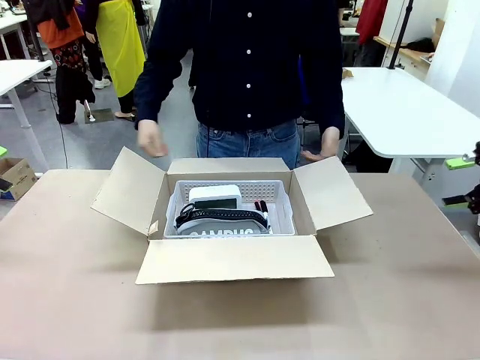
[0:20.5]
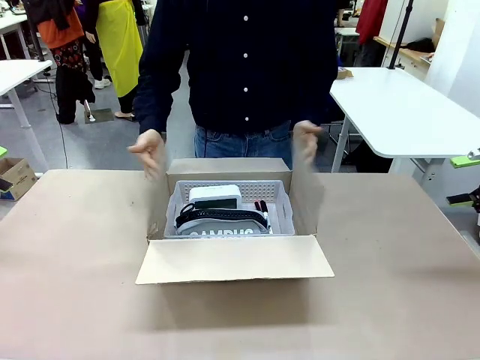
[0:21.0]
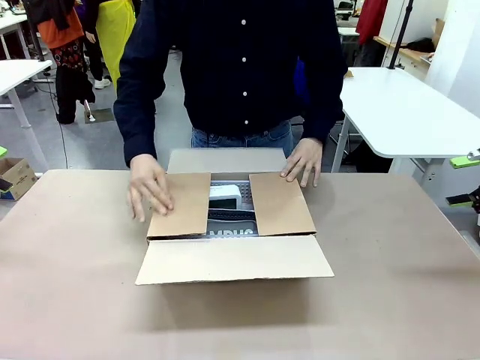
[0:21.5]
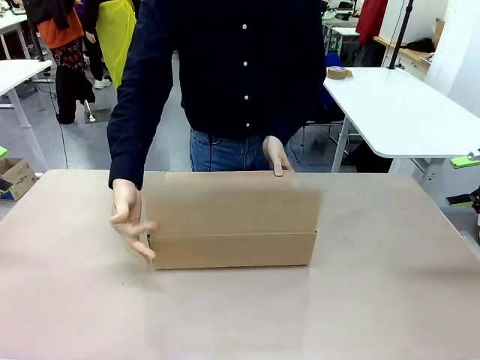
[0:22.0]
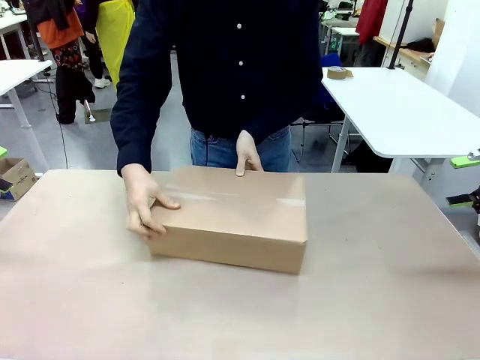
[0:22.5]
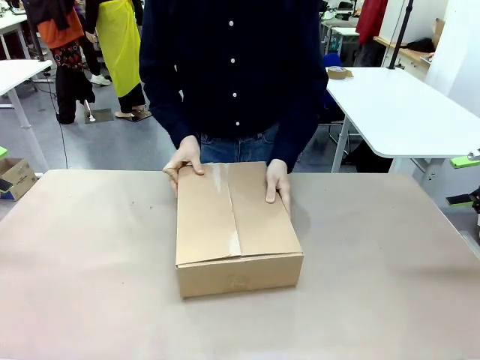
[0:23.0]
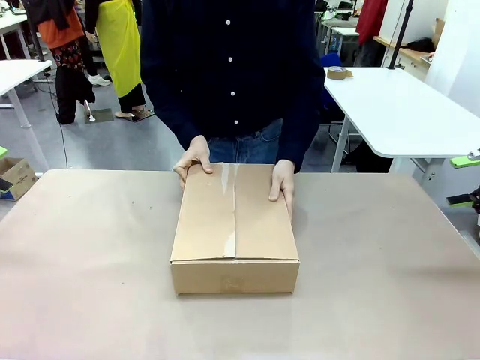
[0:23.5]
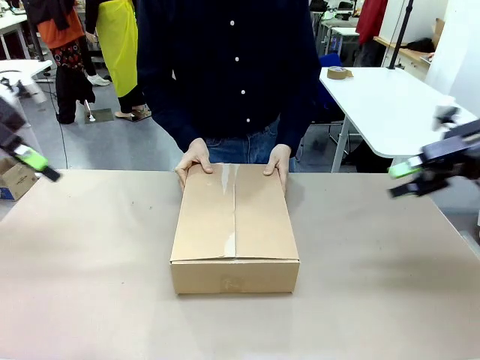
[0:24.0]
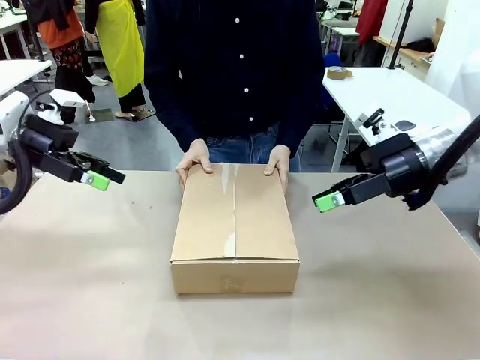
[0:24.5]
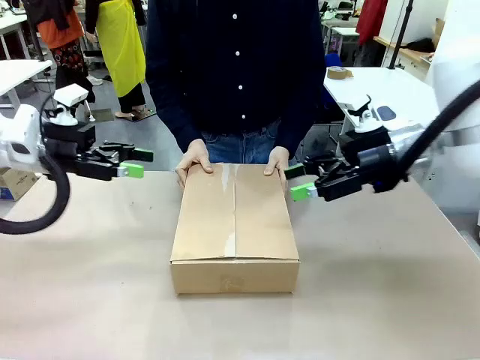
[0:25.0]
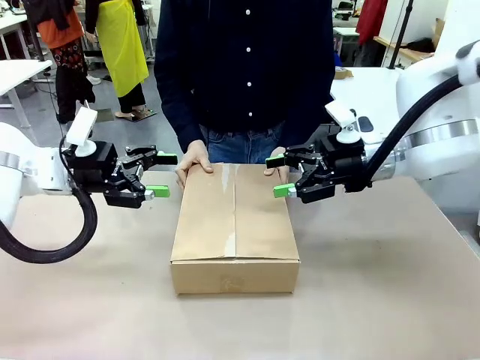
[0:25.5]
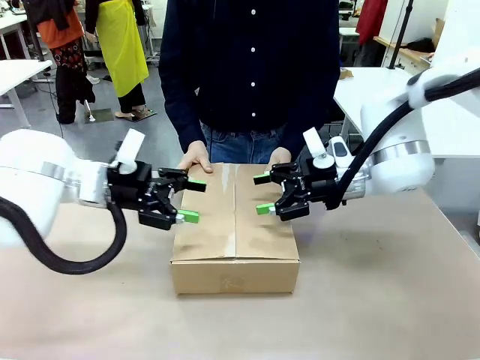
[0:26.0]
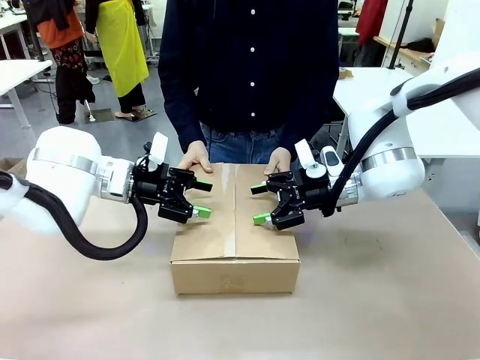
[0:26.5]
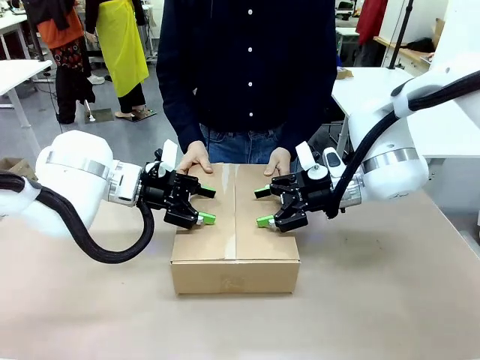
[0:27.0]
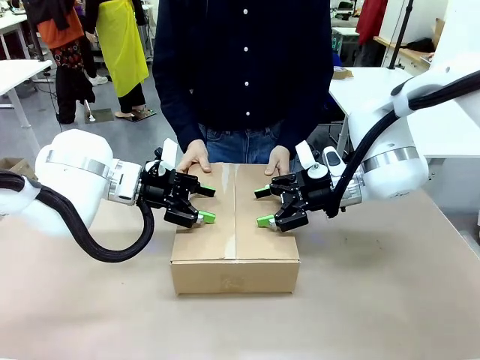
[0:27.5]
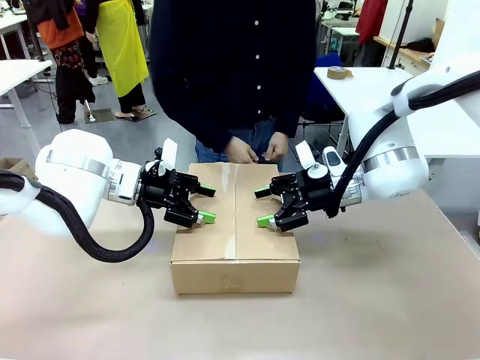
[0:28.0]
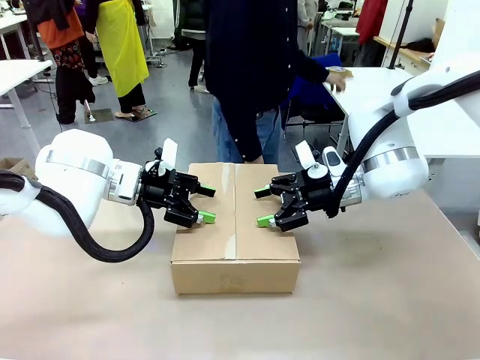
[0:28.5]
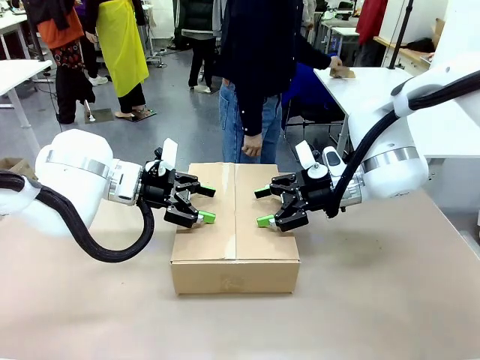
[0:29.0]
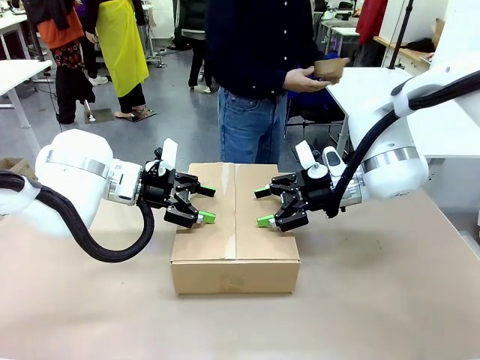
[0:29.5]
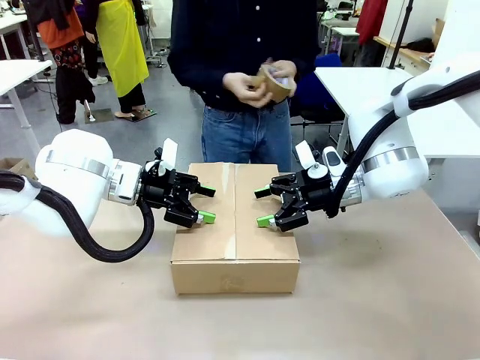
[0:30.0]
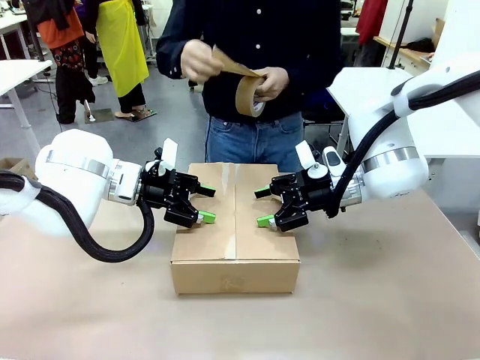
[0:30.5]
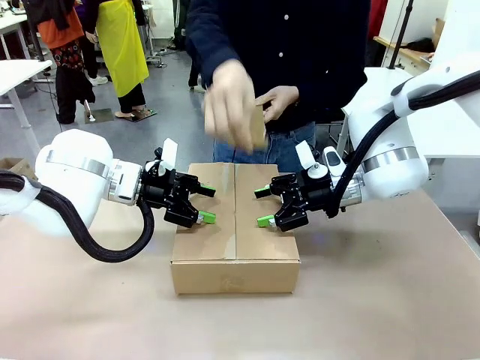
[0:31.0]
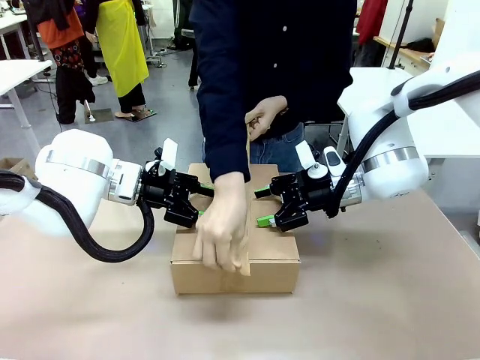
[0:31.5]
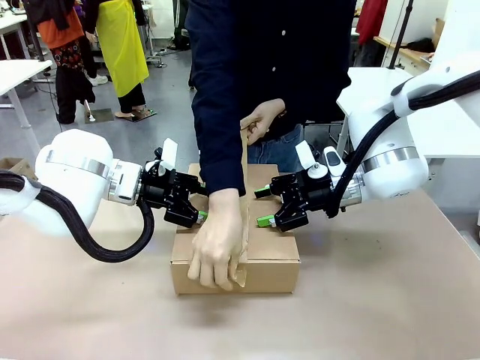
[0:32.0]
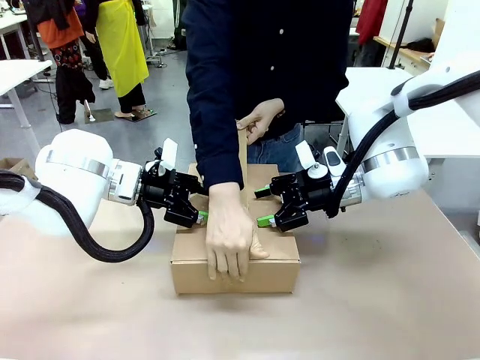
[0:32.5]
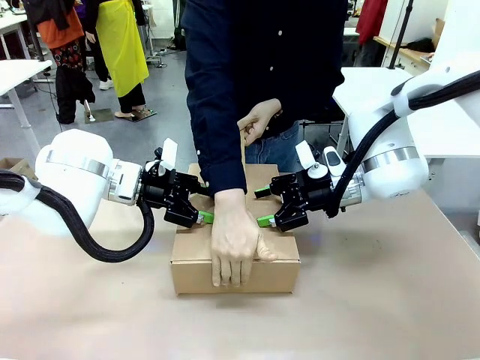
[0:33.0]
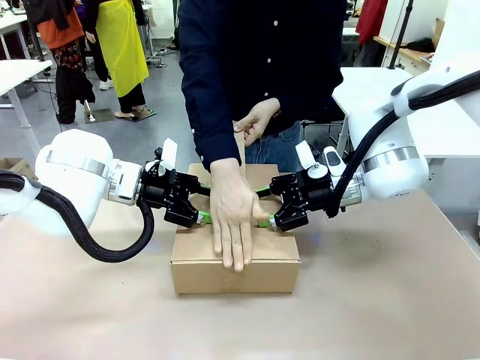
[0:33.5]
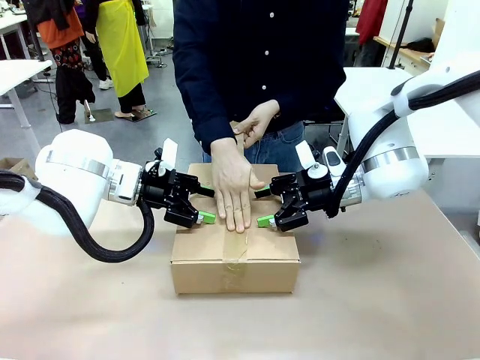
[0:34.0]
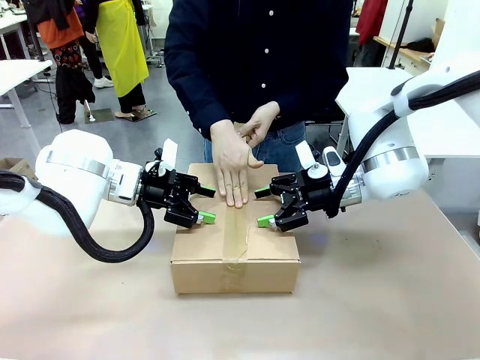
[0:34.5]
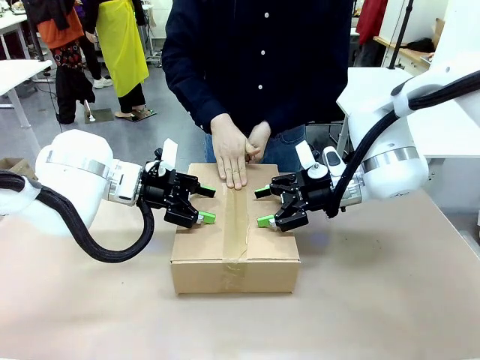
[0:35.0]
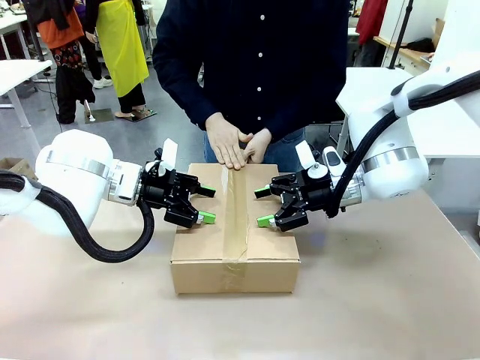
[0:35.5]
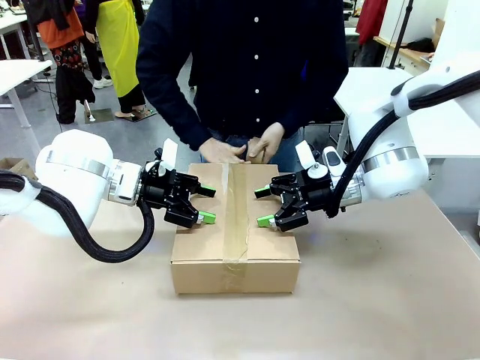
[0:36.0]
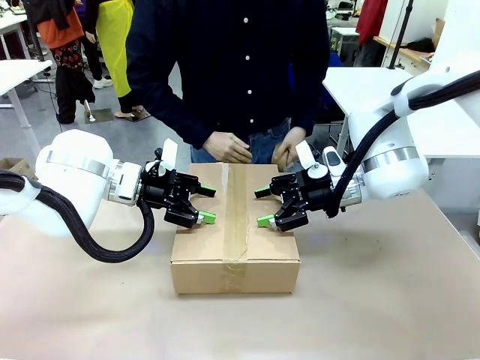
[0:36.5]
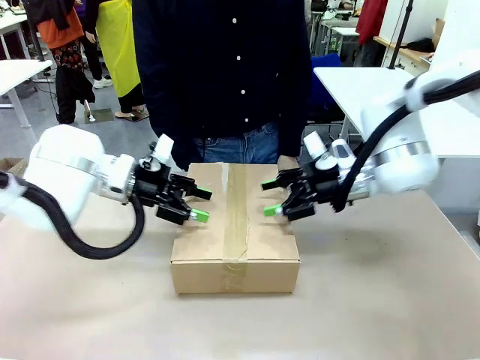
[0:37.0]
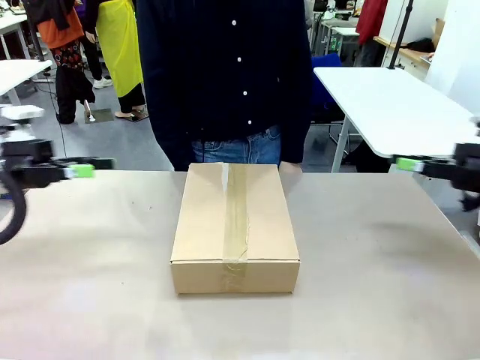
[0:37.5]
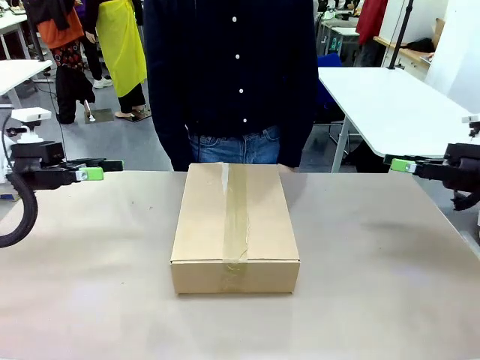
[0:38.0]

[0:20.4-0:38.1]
Task: Pack the gift set into the box.
Robot: Press and hold the closed box until the human finishes sealing it.
Person: The human closes the box and rotates the box by 90 degrees. The human picks up the paper tape from the human table and packs the box.
